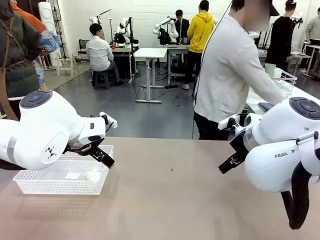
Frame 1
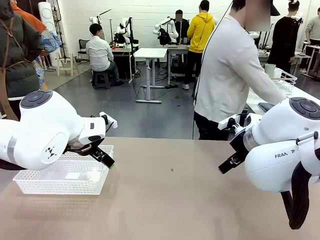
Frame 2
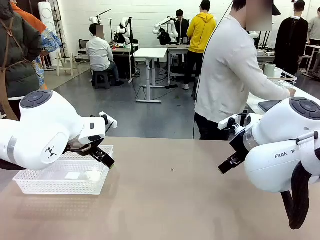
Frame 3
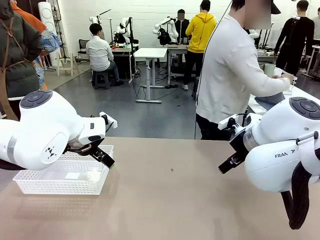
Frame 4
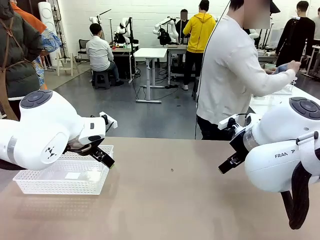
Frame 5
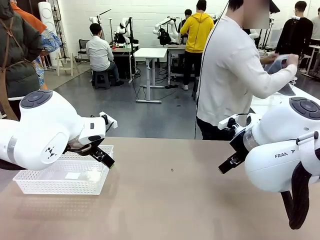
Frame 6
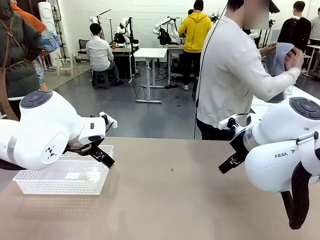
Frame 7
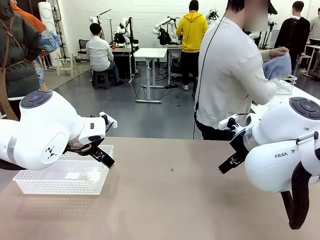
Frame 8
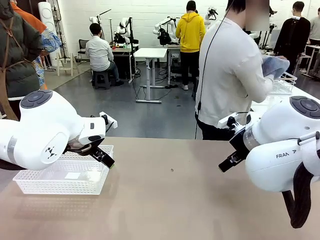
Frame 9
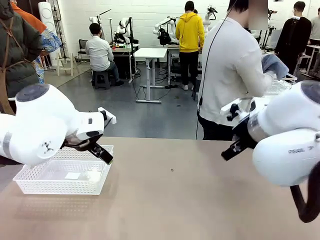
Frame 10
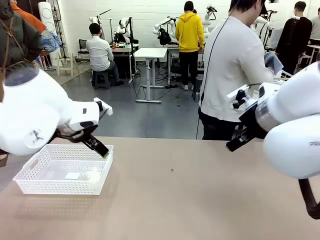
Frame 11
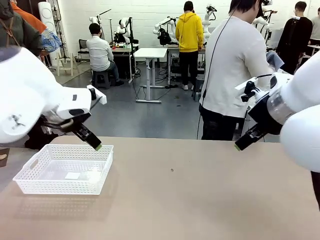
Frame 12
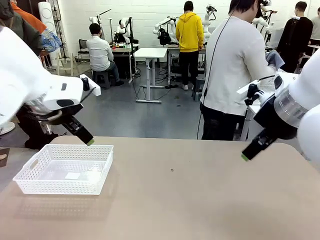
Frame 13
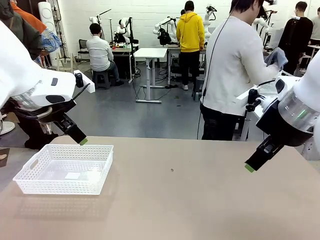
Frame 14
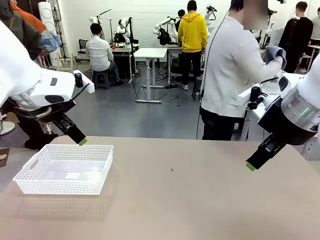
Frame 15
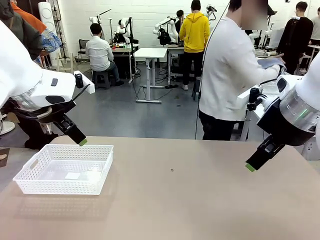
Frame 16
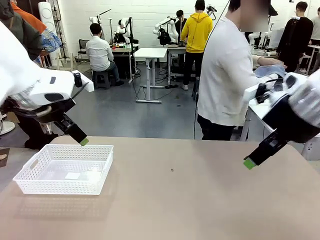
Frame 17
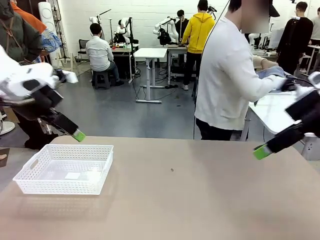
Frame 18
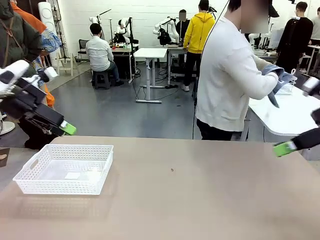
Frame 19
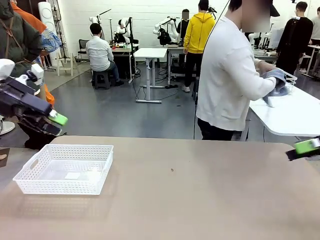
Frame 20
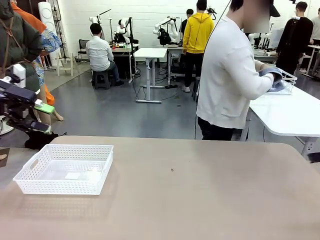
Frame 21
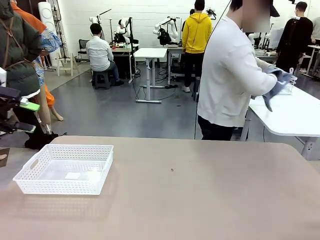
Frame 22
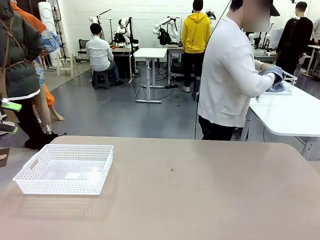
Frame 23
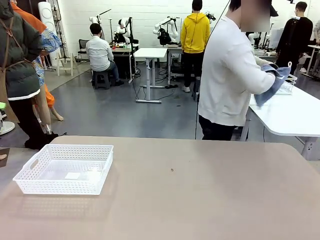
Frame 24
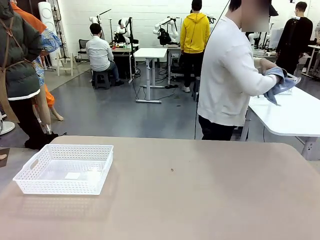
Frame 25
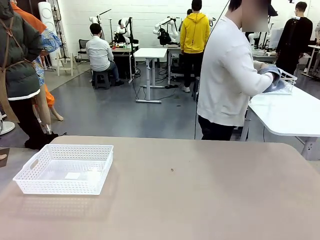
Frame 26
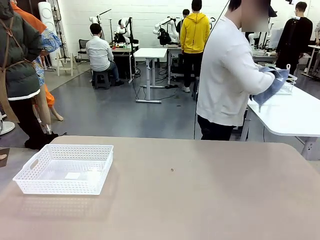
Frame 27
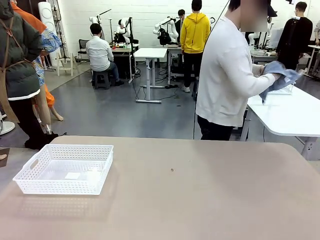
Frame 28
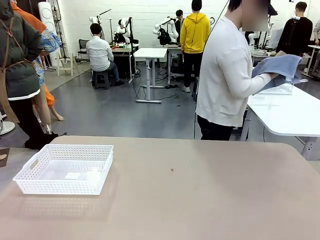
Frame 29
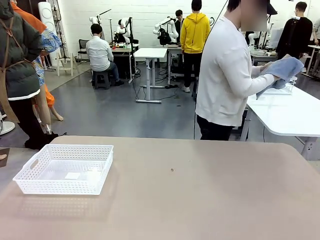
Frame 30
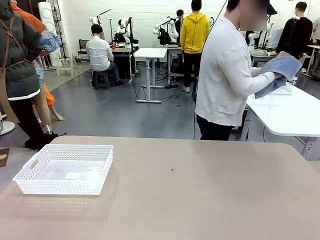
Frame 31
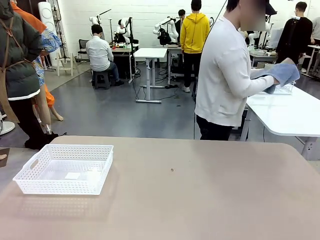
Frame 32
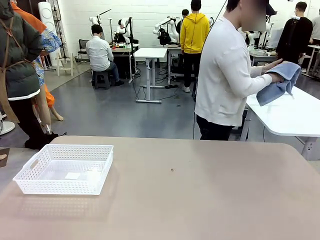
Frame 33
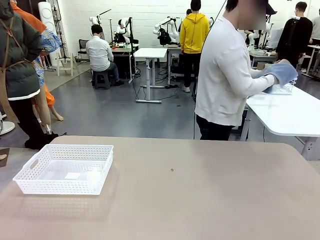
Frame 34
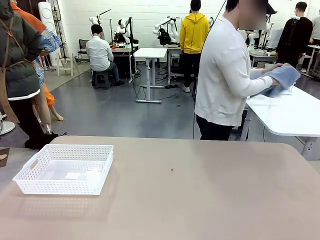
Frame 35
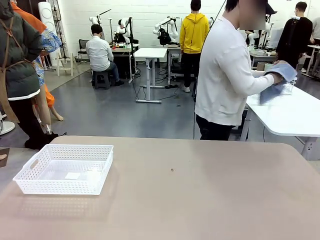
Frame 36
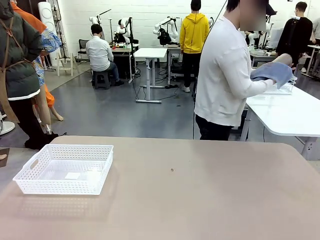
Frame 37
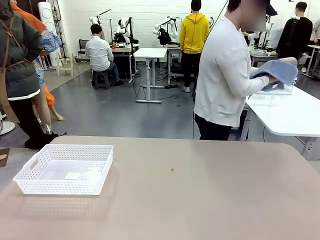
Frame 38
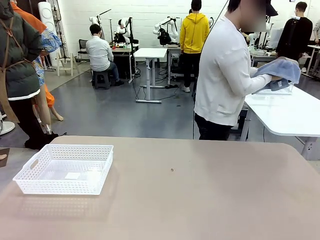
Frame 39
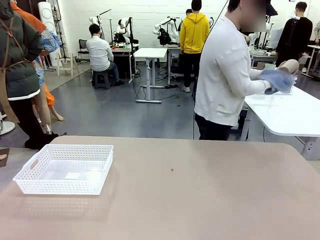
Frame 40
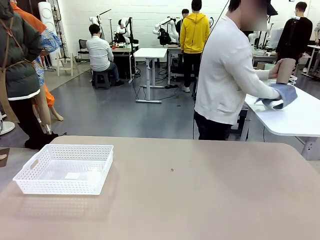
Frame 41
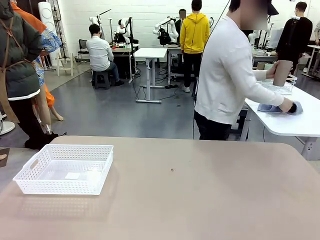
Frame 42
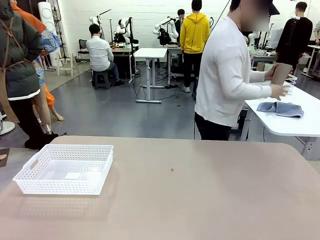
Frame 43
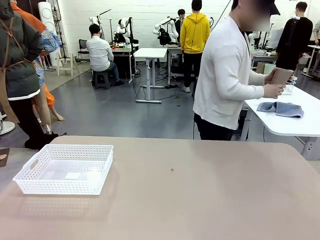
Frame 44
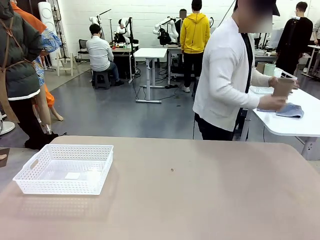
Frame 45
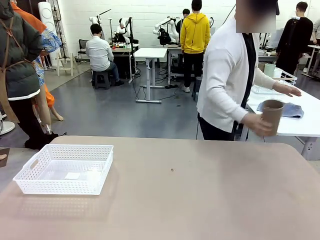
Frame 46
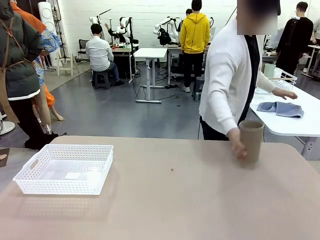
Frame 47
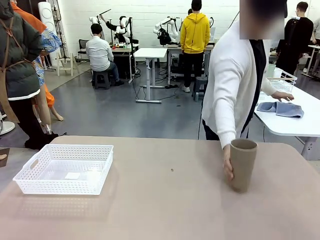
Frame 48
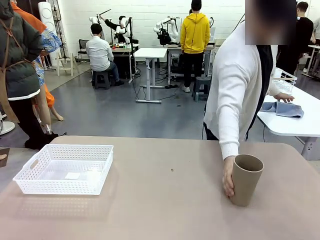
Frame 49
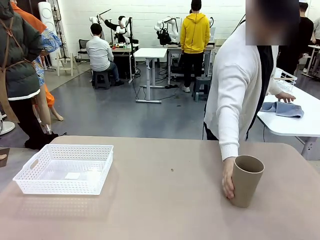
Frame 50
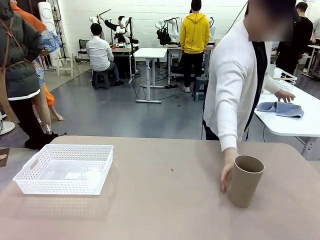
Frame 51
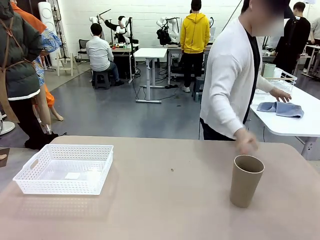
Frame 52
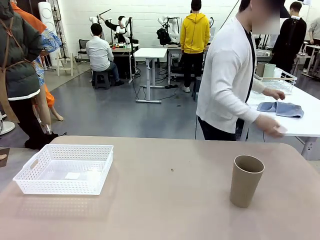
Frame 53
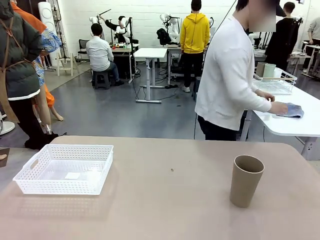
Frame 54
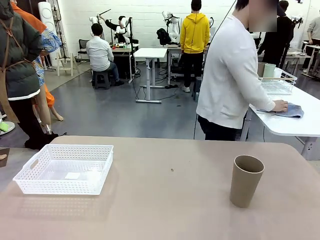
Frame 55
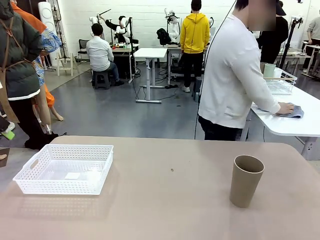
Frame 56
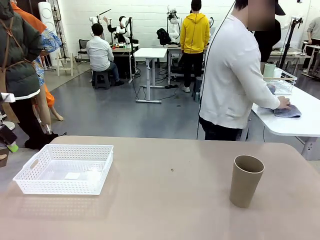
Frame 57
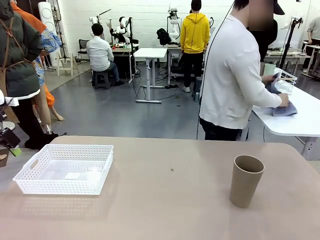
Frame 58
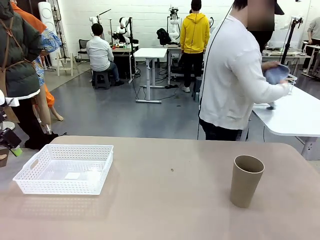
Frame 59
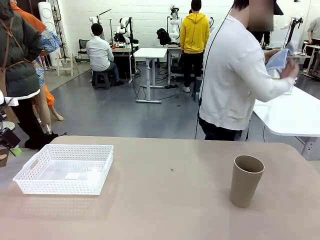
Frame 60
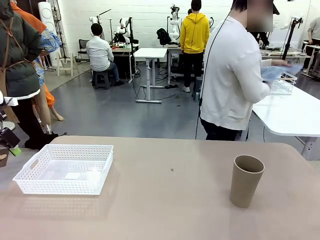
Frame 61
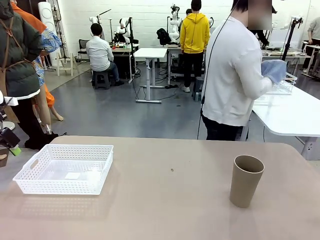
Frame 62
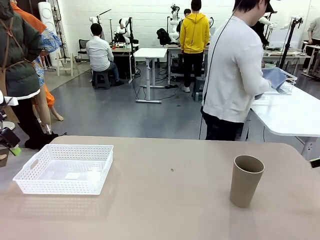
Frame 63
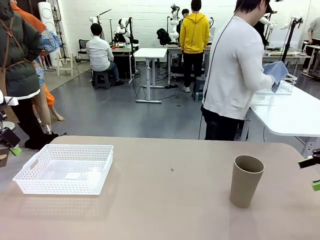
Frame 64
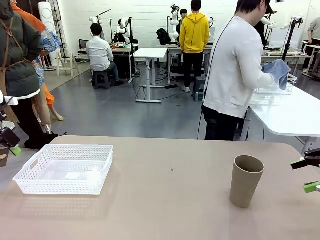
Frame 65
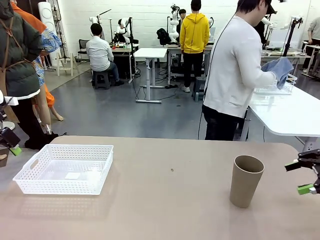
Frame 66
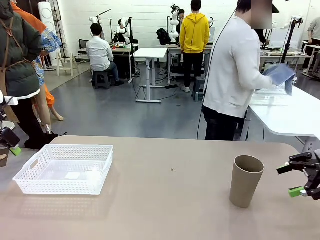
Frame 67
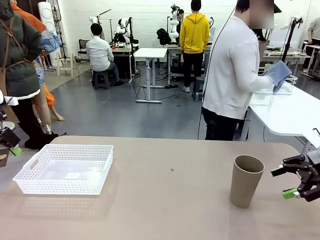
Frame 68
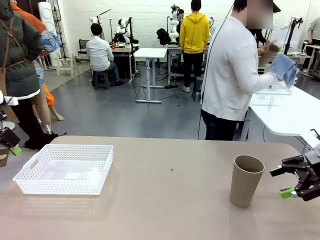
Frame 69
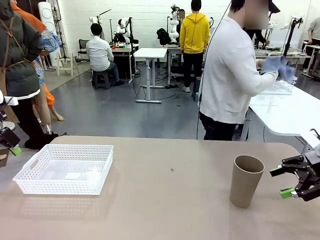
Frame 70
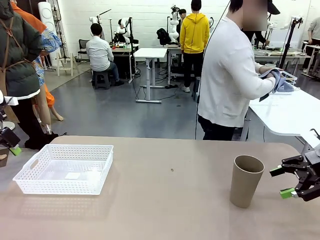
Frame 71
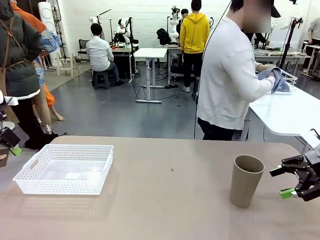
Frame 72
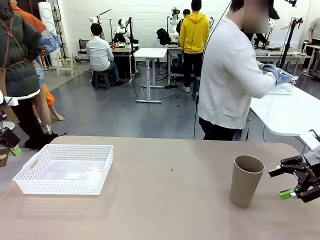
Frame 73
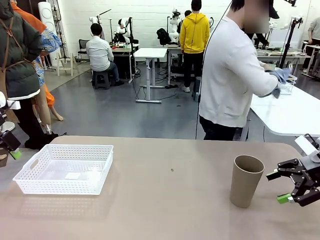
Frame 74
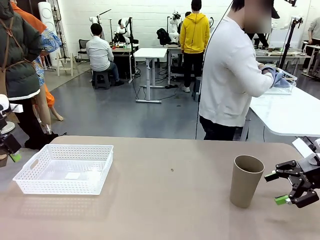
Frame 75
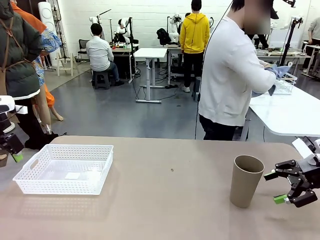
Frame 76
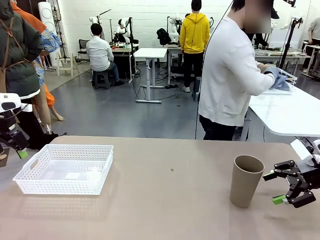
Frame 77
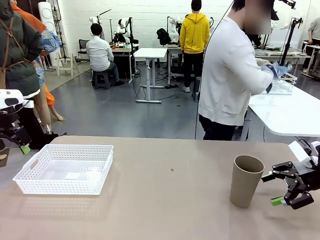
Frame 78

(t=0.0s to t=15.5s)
Task: Clean and organize the cups into the basket.
Robot: Pick up the Organizing basket and move it to the center of the table, then pick up the Reusable plastic cup from the right side of the table and place it inside the Organizing basket.
Person: Picks up a cup and a towel, cleans the cup with the towel, and places it on the left side of the robot table.
